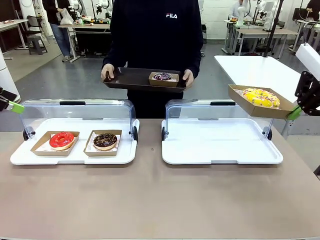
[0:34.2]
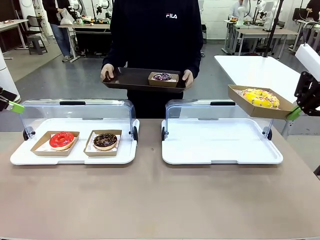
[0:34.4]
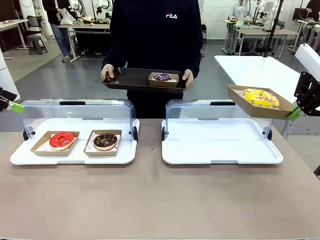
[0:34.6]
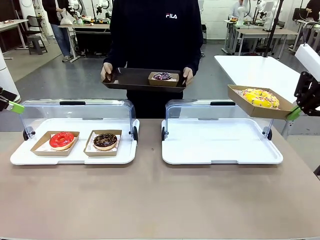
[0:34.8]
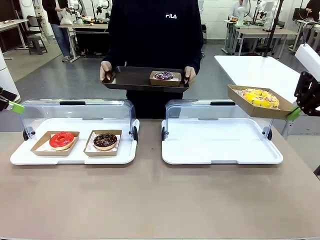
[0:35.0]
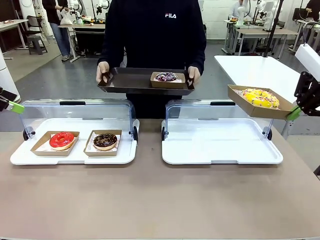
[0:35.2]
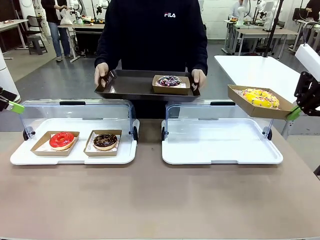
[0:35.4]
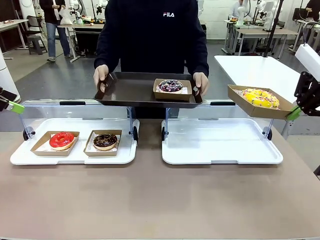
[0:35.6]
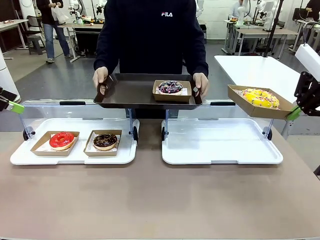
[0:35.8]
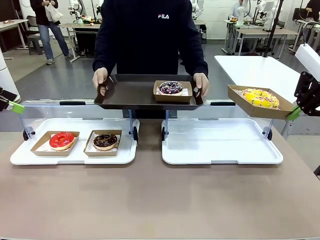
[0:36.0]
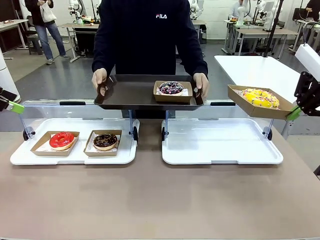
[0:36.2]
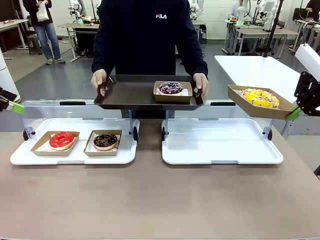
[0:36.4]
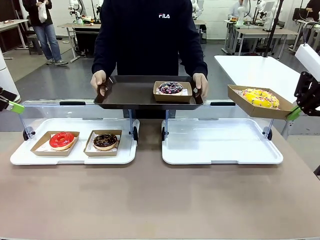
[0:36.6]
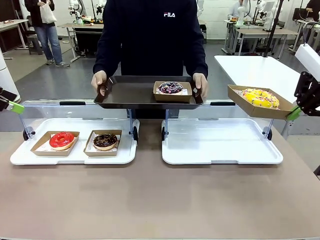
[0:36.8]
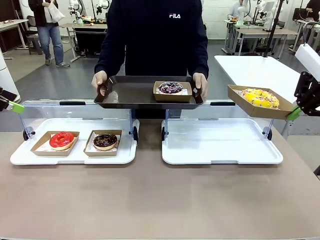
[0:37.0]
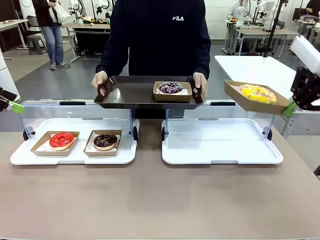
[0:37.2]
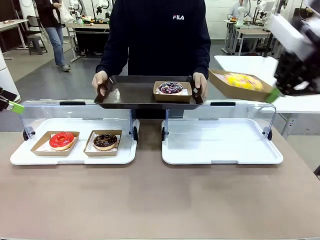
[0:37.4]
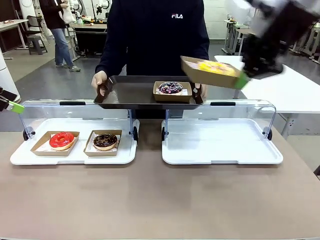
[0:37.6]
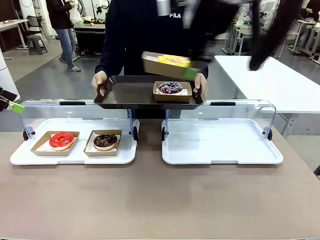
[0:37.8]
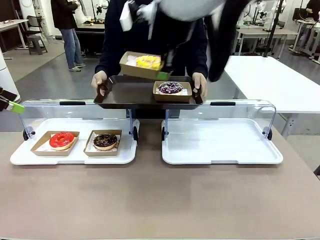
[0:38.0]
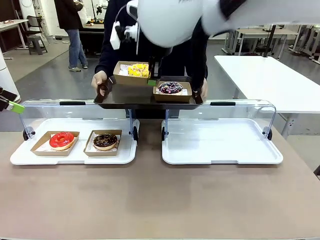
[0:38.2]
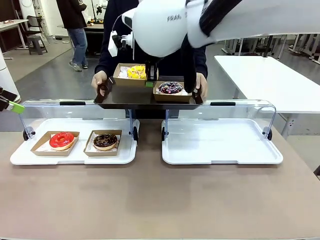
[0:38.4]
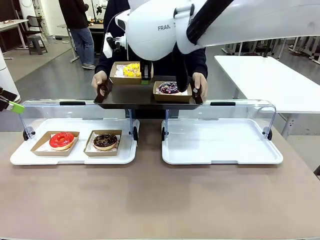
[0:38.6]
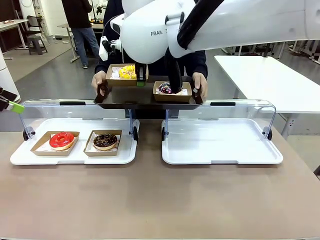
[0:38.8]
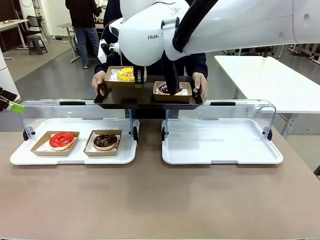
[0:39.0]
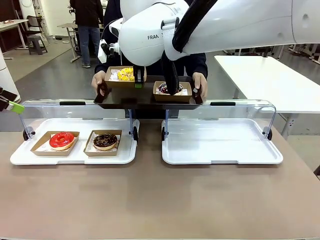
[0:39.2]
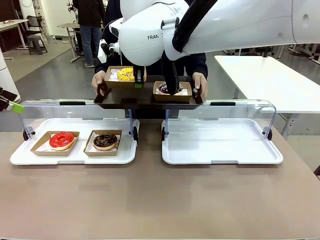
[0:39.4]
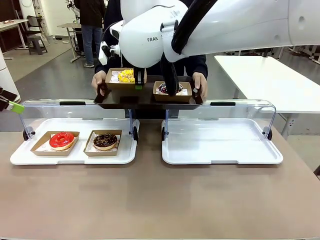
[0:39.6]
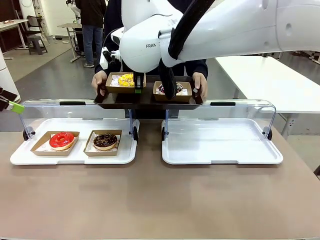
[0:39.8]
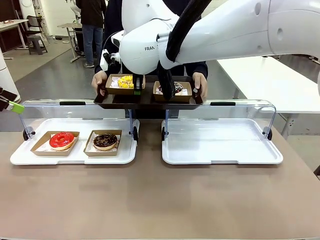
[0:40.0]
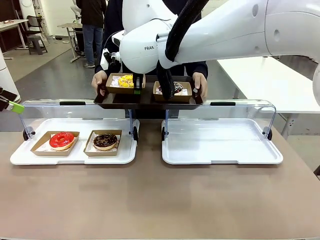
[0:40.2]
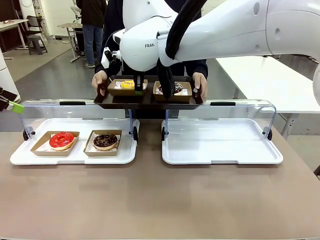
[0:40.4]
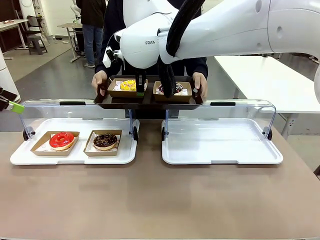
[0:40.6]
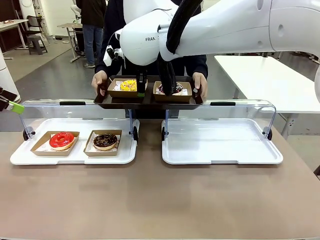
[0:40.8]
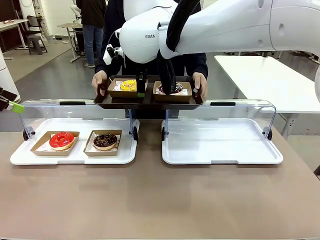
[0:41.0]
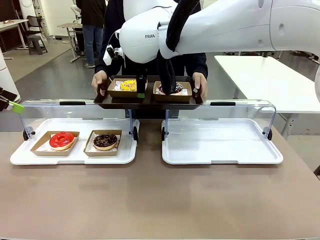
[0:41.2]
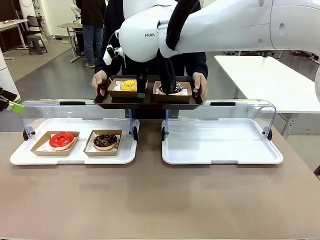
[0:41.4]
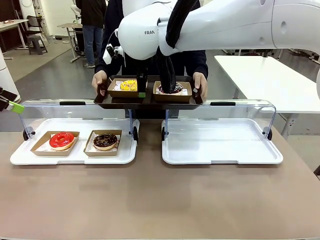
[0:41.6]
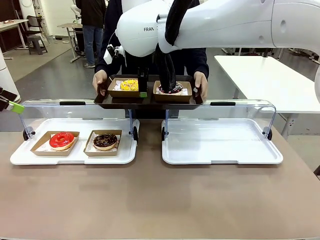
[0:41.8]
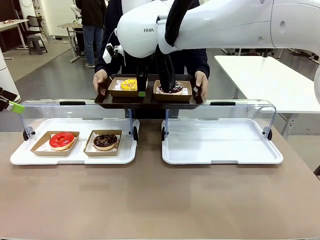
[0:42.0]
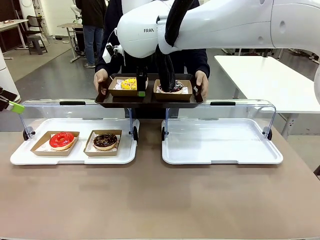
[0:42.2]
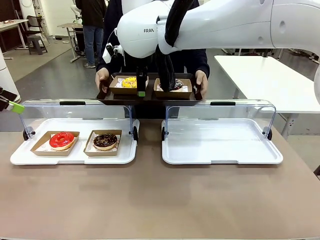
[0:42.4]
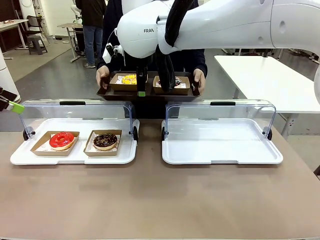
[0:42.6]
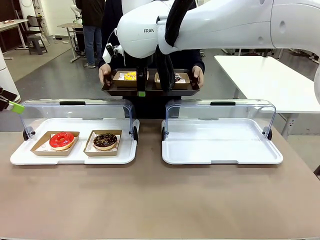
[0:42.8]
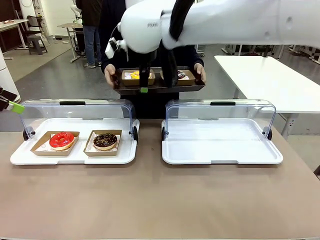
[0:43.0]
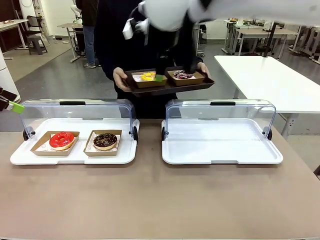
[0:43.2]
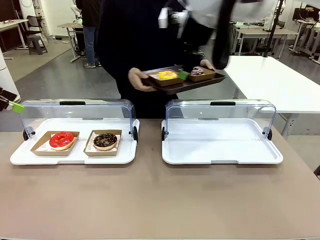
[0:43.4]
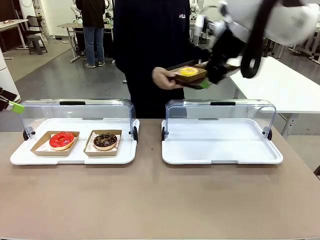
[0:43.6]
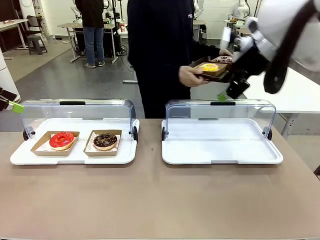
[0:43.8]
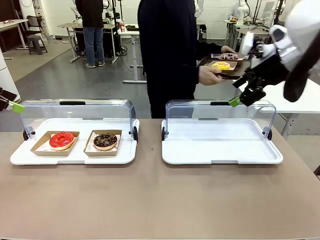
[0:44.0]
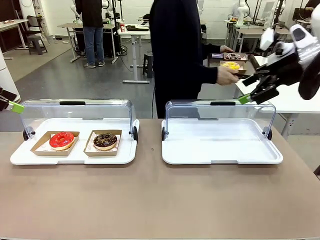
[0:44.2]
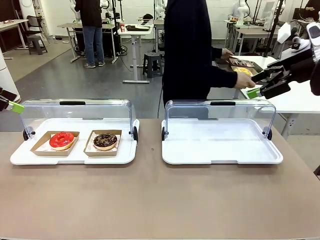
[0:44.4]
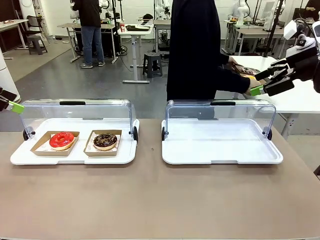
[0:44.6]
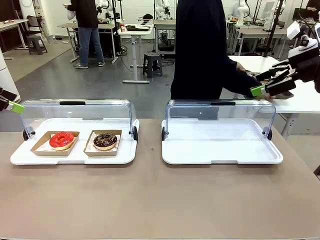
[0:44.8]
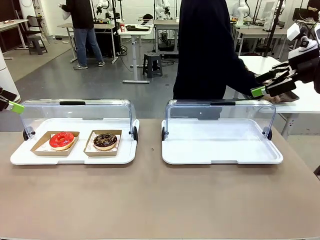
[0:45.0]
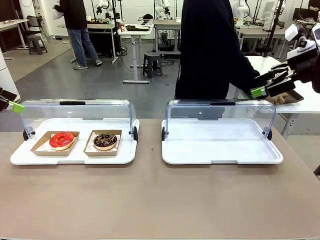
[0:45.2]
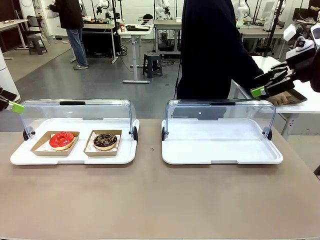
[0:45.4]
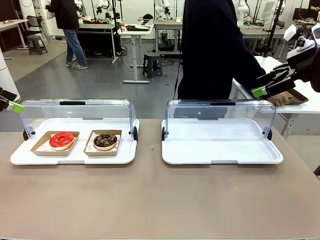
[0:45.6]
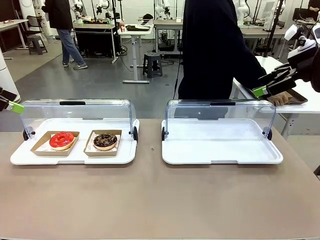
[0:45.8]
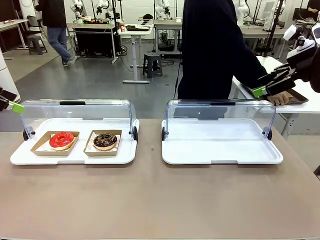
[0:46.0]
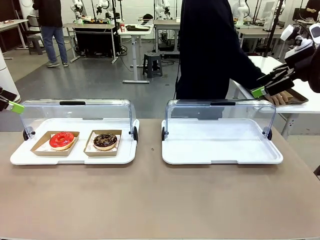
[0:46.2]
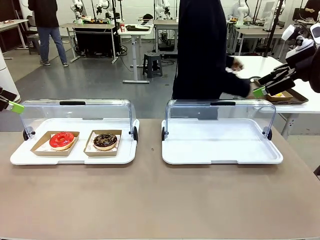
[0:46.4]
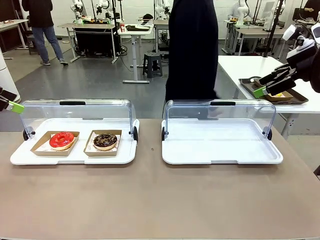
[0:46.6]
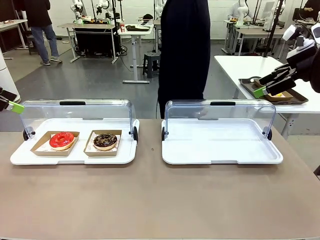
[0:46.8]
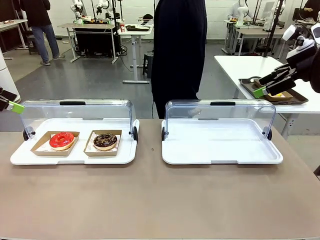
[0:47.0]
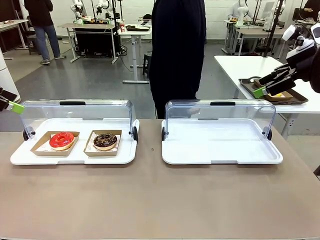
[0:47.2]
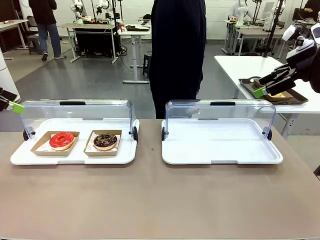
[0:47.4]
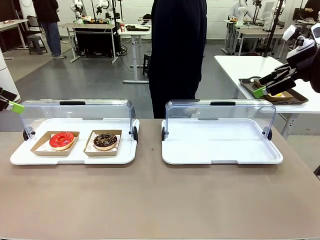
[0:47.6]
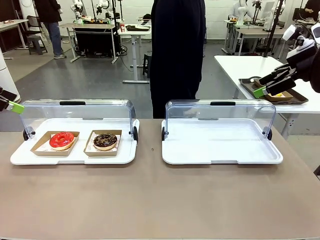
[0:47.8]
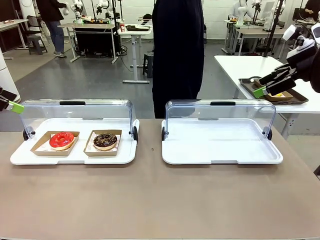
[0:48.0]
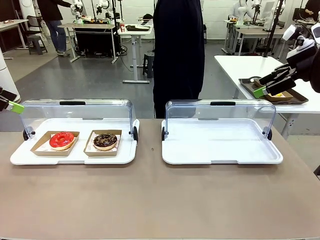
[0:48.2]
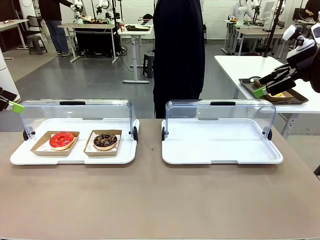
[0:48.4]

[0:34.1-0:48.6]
Task: Provide the desired donut to the person.
Robot: Place the picked Paper togo box onto the Handle tray extended by the person.
Person: Place the tray in the middle of the human table.
